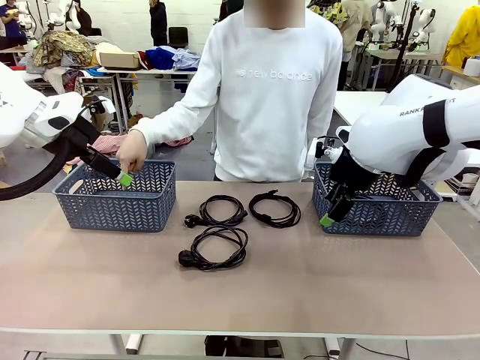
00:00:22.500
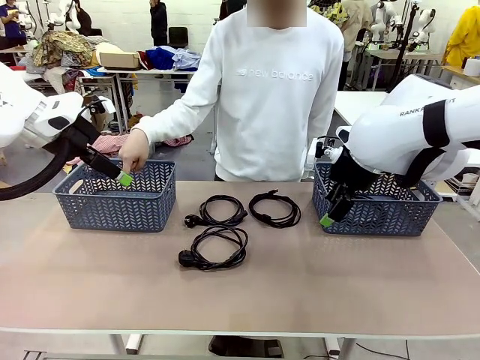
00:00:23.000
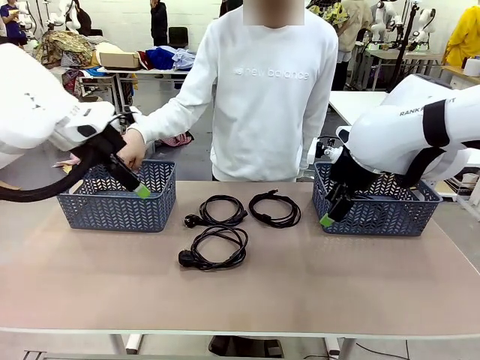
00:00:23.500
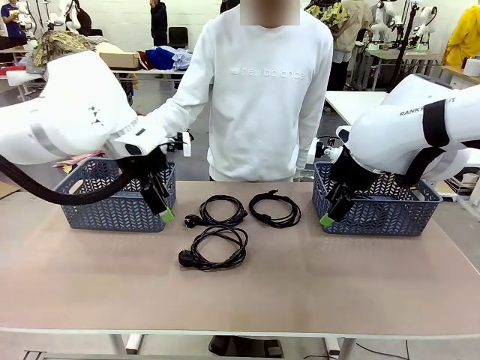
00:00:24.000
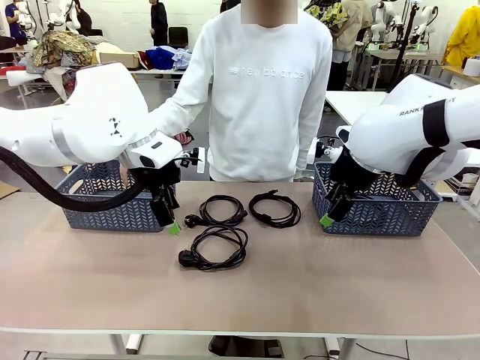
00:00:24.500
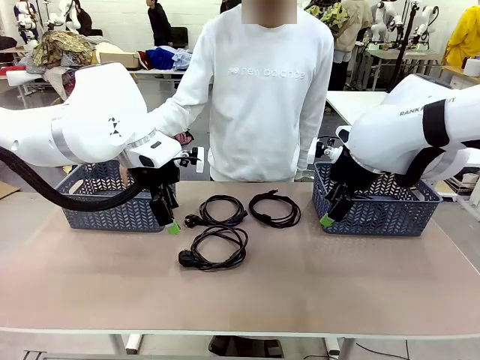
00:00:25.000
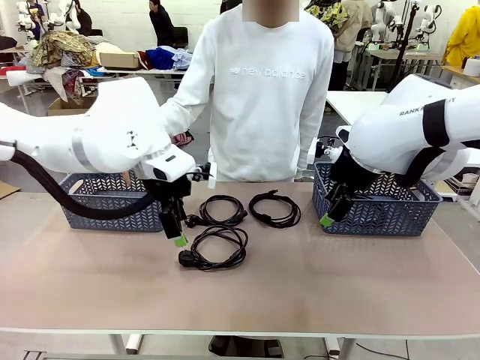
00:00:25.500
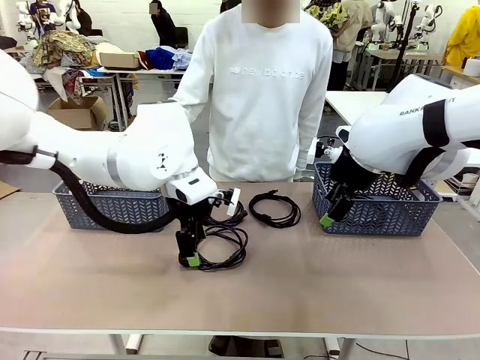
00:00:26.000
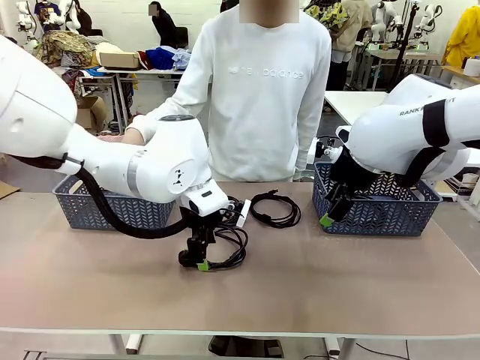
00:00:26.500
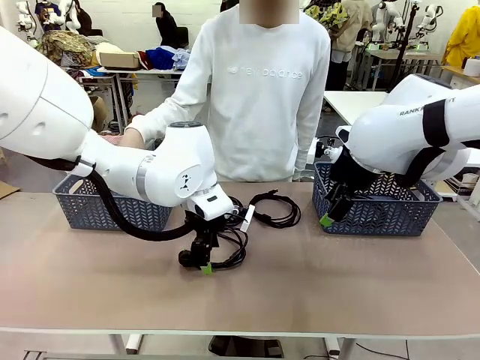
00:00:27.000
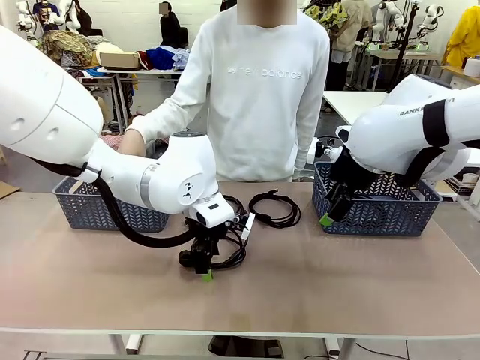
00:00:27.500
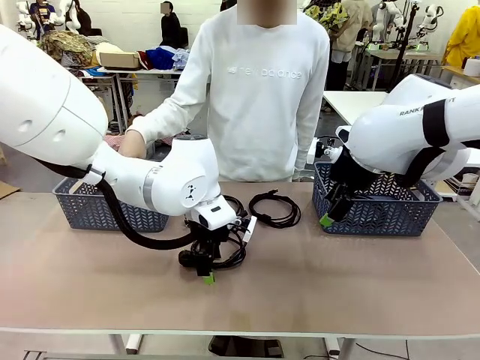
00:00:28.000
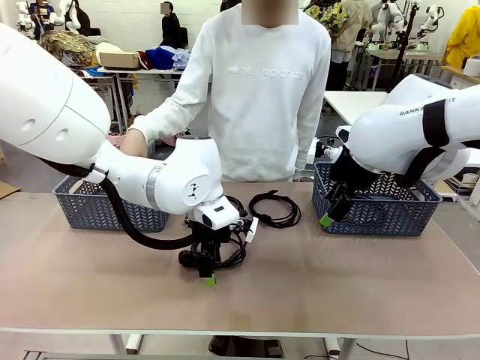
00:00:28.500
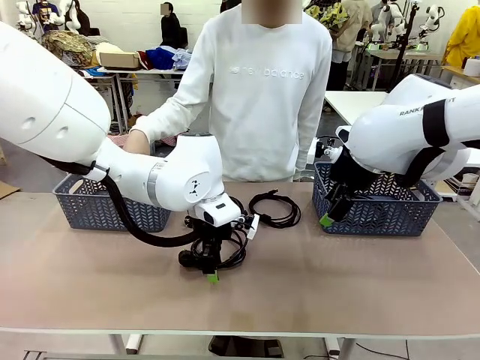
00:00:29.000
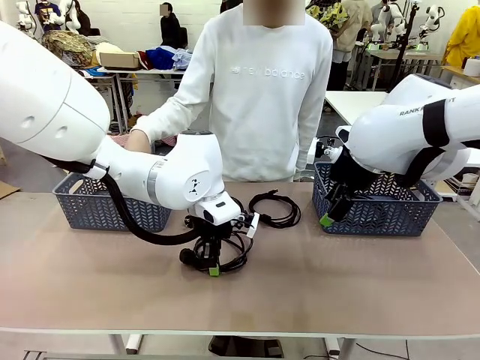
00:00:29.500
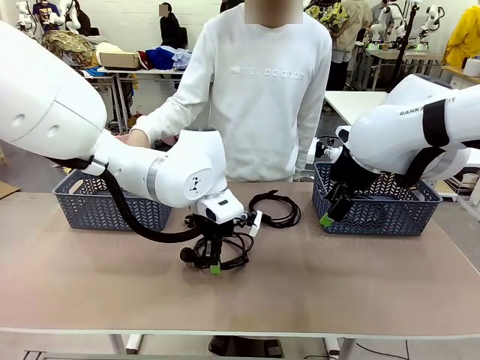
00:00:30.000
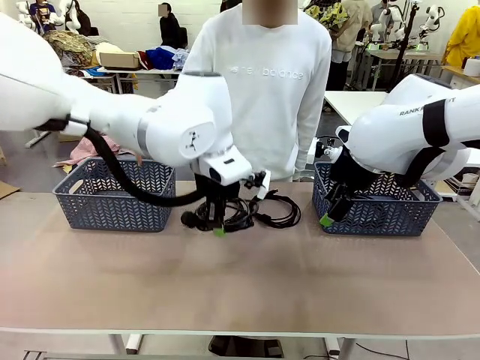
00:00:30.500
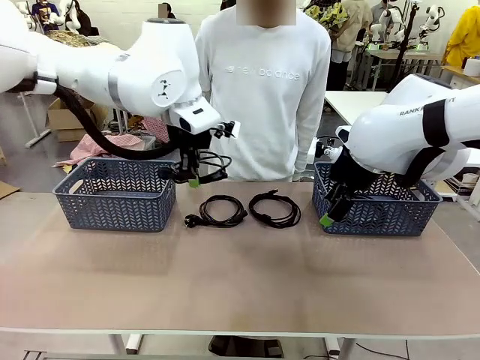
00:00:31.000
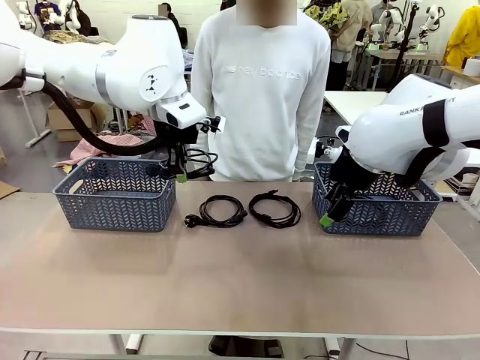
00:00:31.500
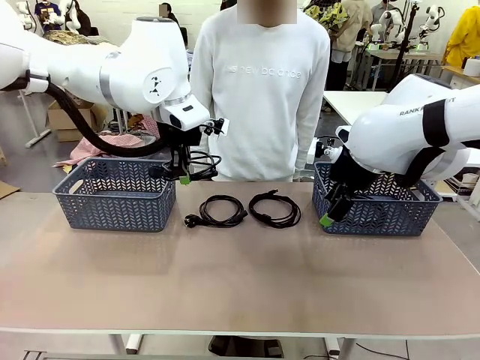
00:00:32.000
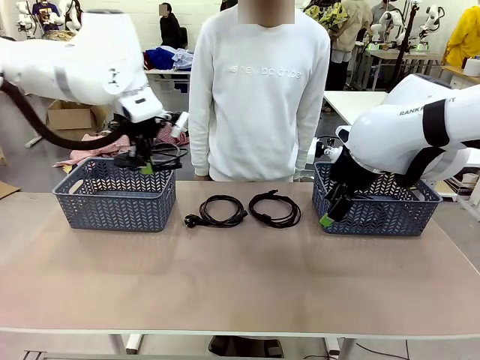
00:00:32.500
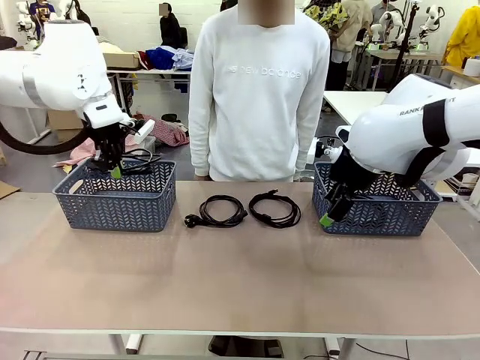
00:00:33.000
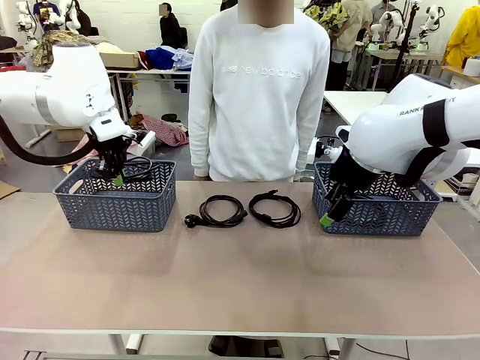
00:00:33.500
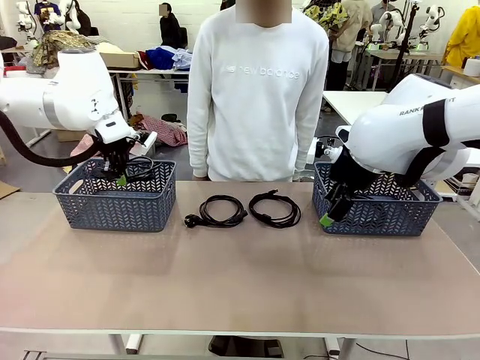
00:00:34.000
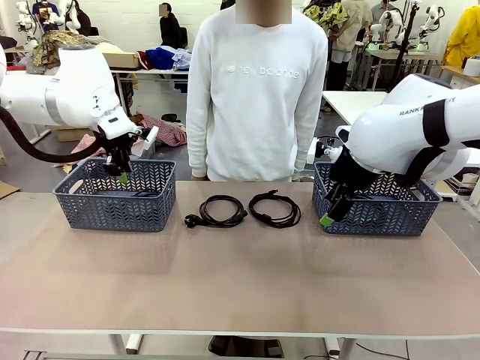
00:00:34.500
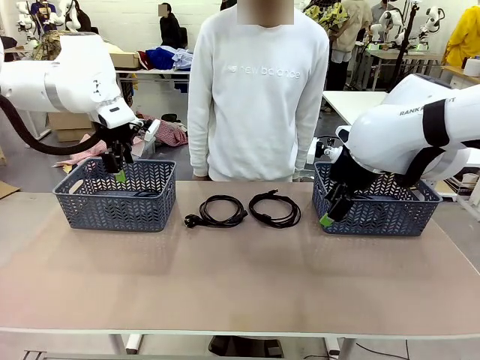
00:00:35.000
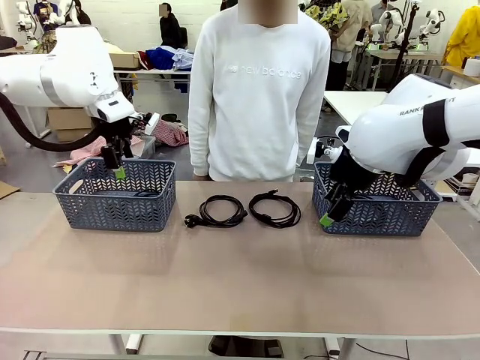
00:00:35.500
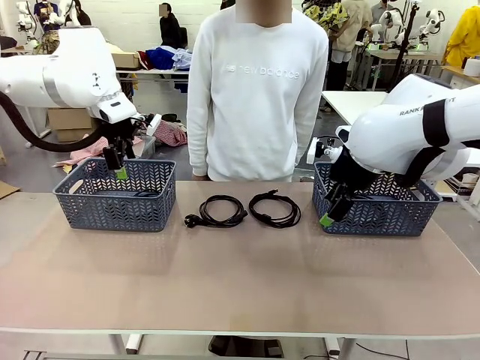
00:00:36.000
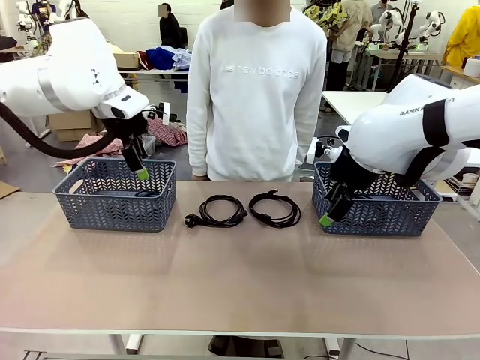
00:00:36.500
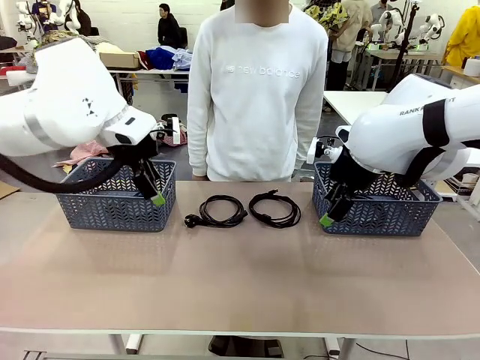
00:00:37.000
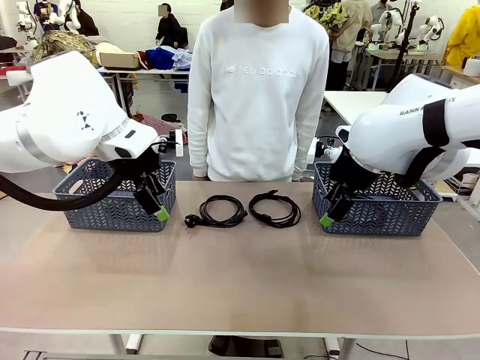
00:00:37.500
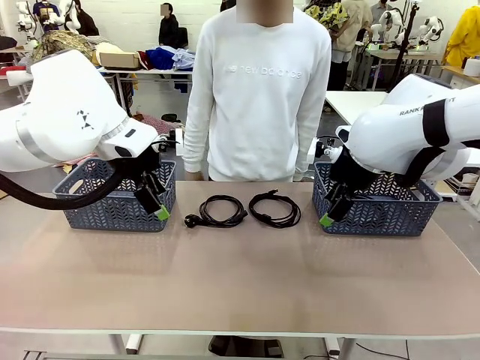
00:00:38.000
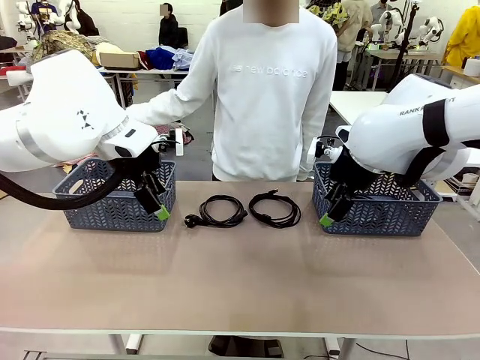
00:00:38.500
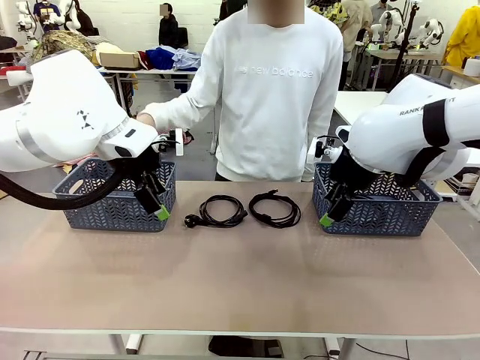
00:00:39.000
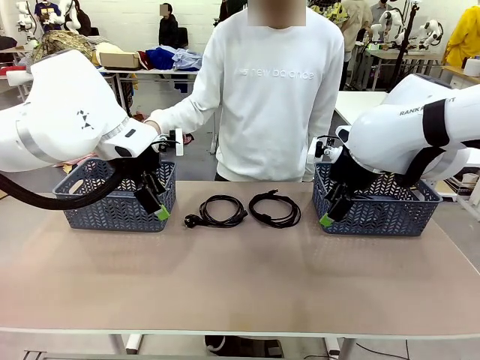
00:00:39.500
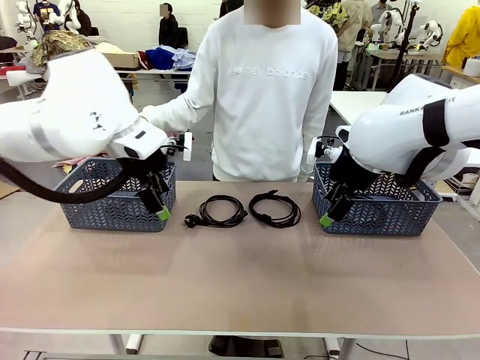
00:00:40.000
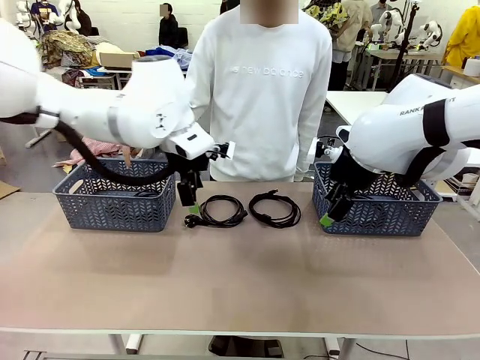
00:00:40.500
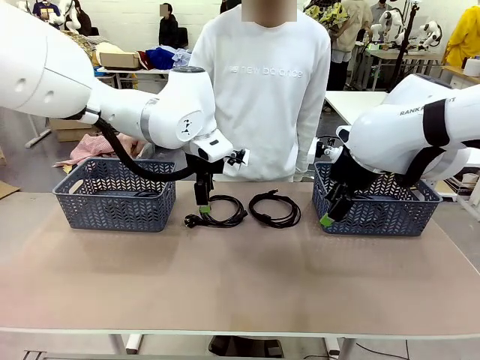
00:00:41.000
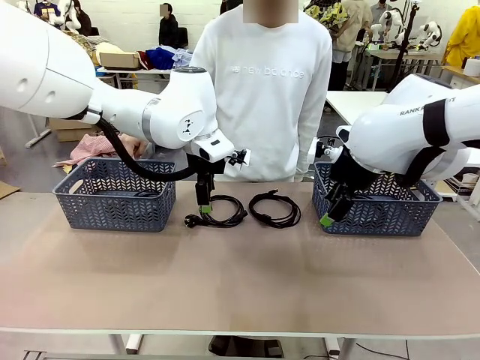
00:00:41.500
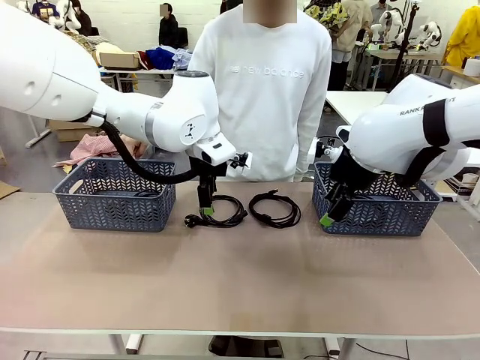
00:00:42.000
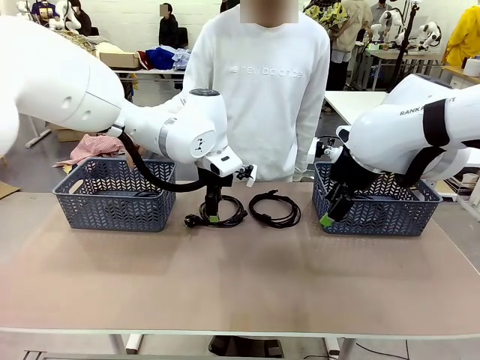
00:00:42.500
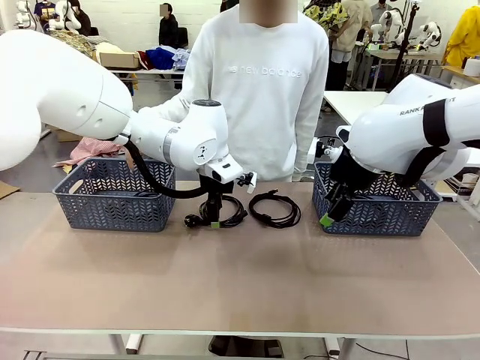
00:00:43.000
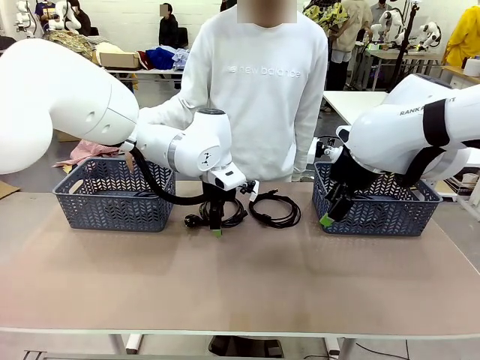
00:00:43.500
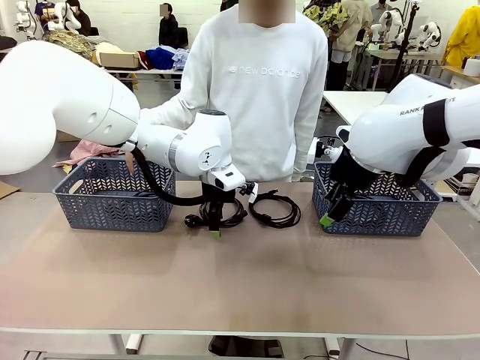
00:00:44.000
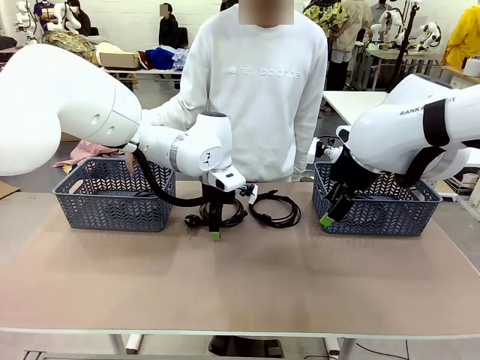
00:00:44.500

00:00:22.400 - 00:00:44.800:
Task: Organize the cables according to human instructions.
Robot: Pick up a bundle of cables and place it in the basket indicated by the human.

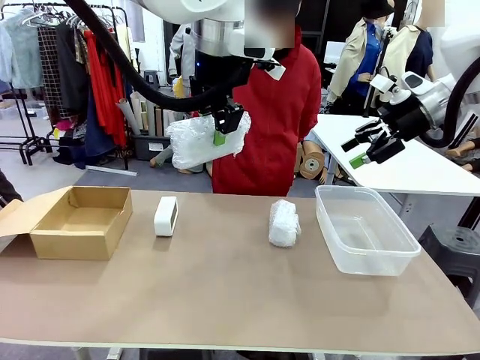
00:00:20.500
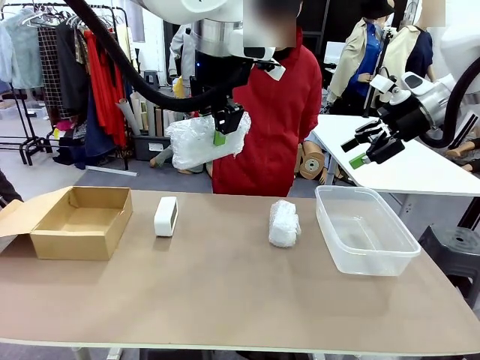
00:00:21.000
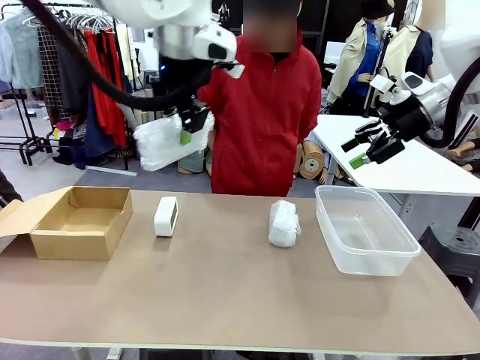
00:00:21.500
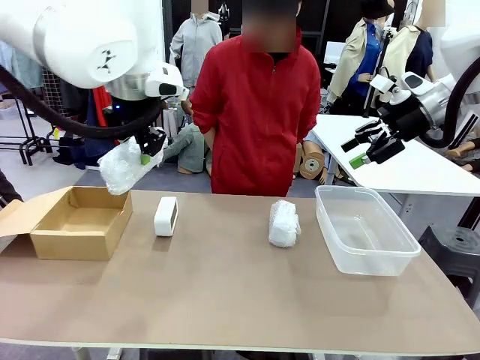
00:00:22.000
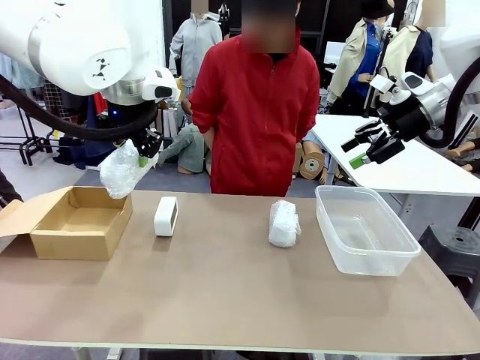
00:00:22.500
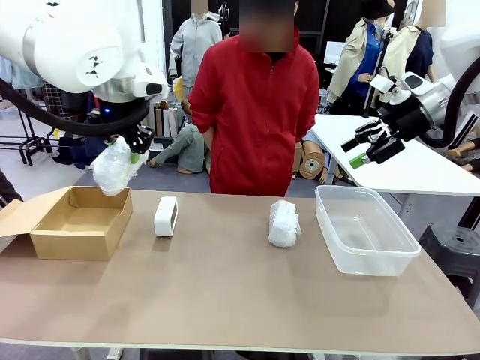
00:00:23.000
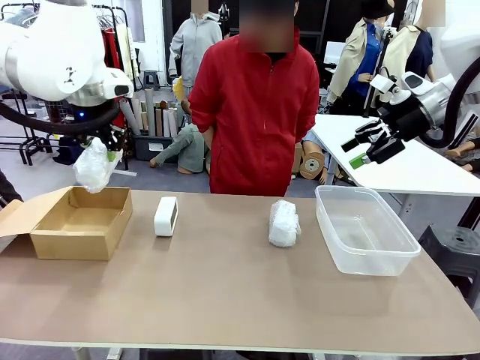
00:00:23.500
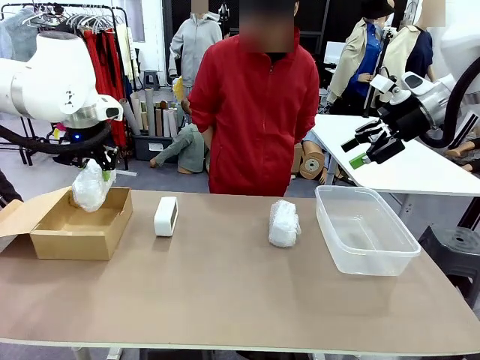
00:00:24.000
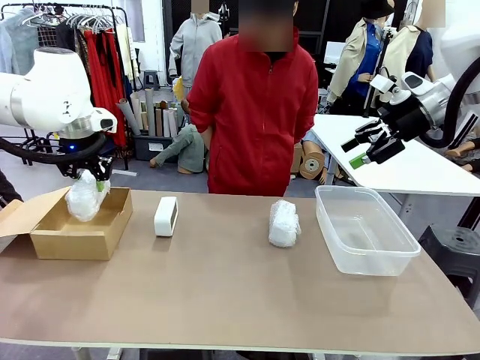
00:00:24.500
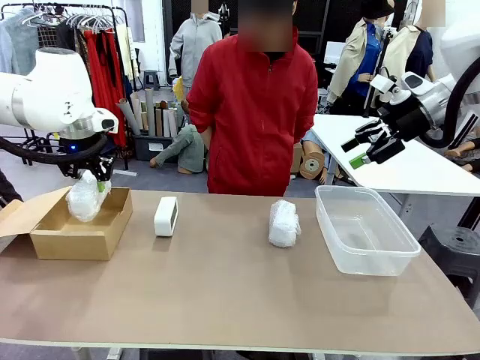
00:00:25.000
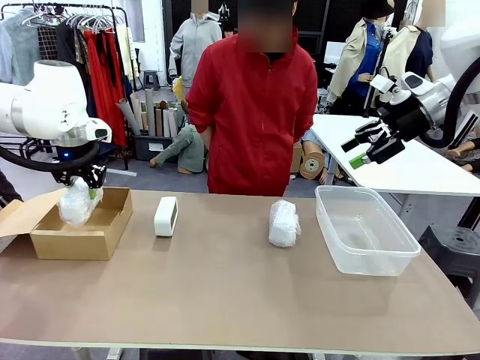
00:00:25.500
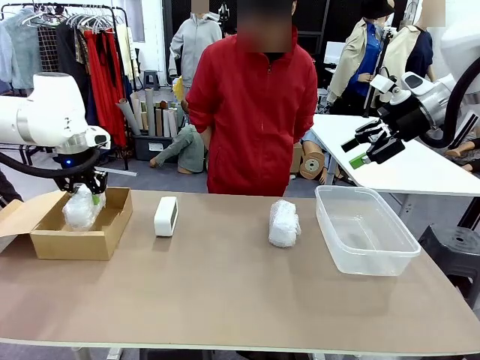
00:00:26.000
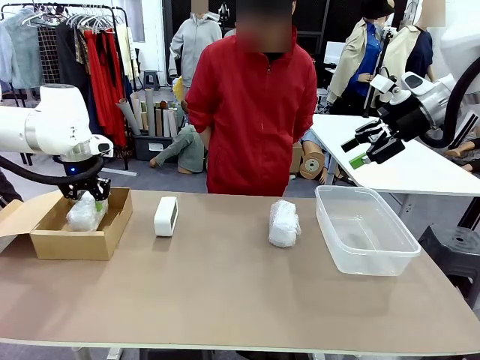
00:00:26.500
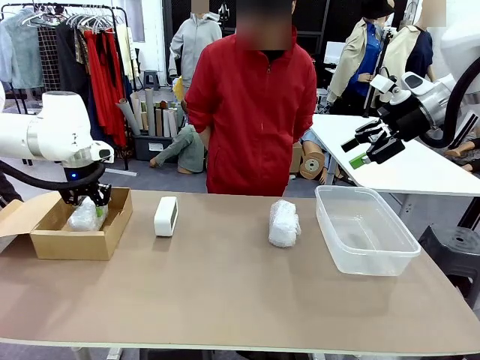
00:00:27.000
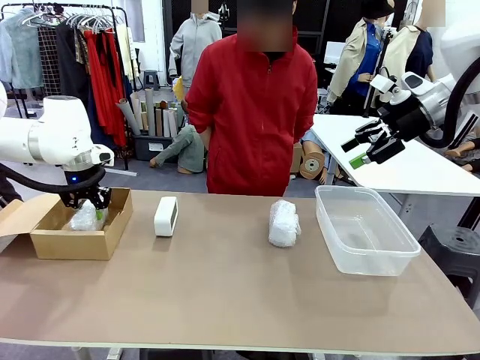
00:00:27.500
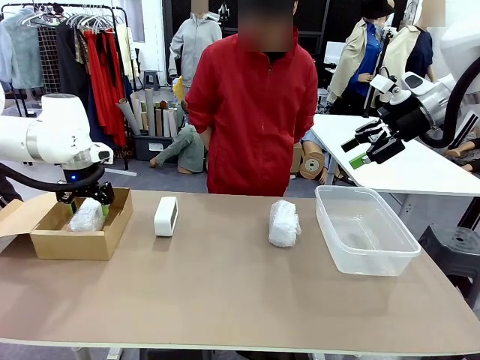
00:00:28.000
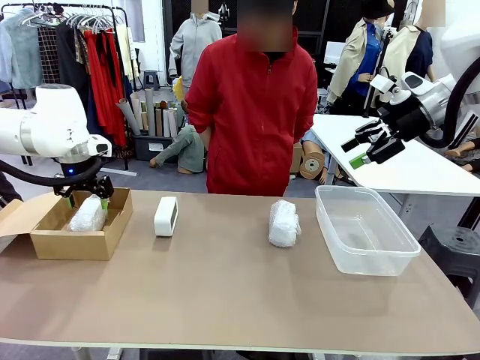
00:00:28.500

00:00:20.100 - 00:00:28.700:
Task: Separate and place wrapped and unwrapped clocks.
Robot: If the picked Digital clock is wrapped, place it in the Package Box ; if not, place it in the Organizing box.
